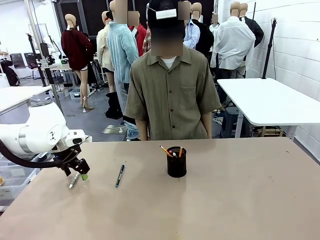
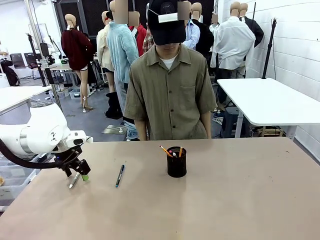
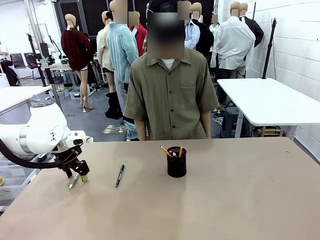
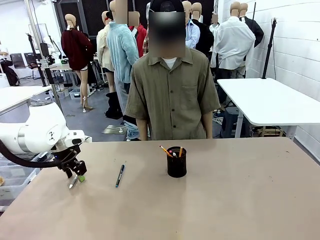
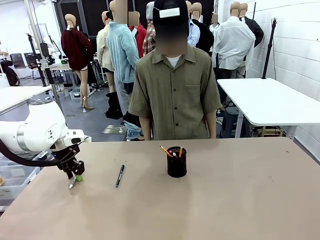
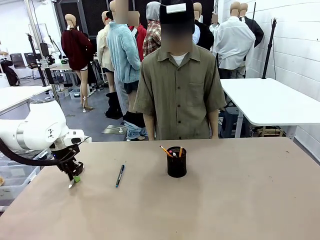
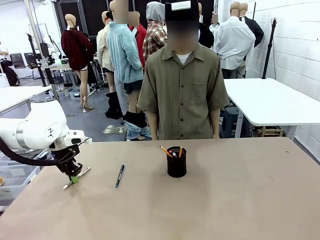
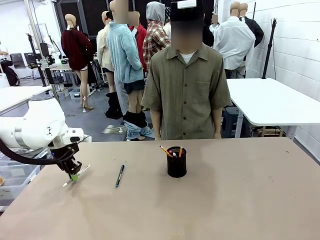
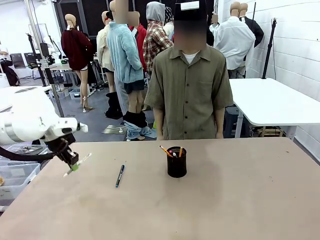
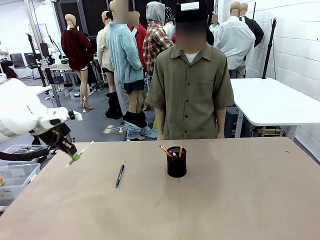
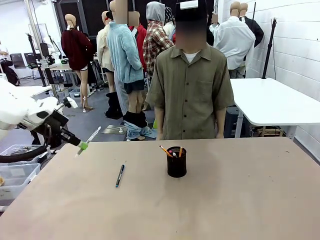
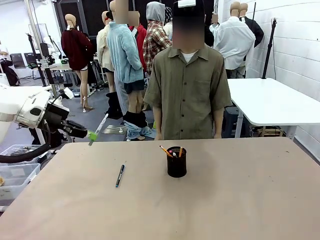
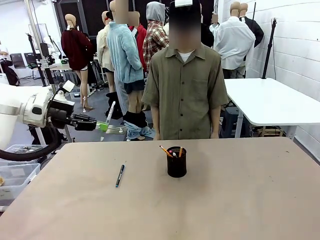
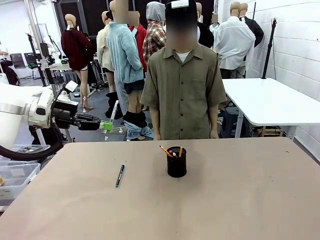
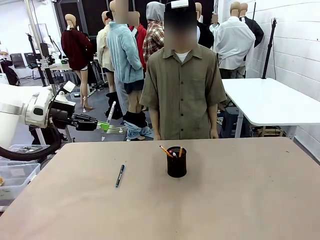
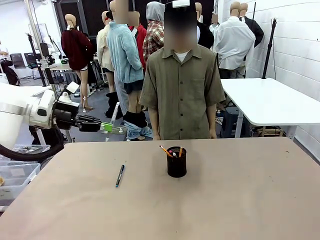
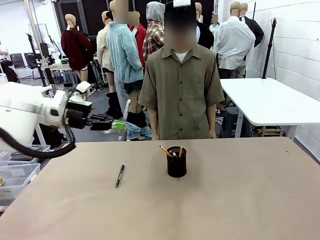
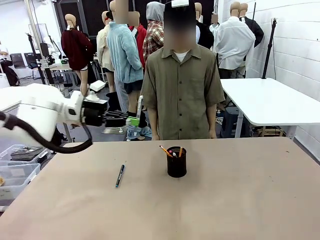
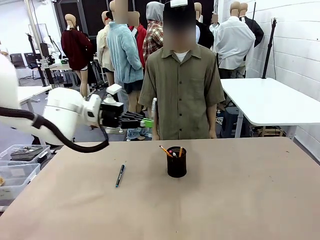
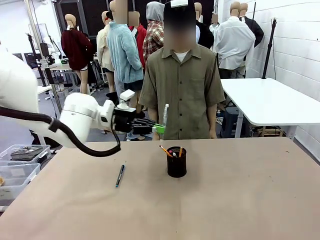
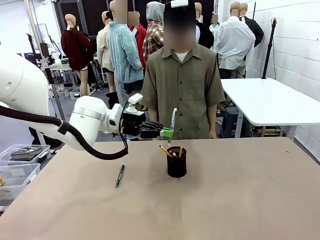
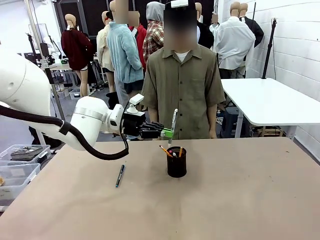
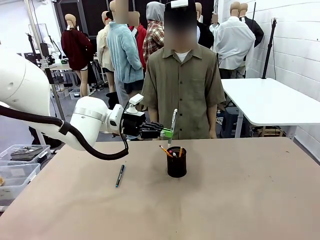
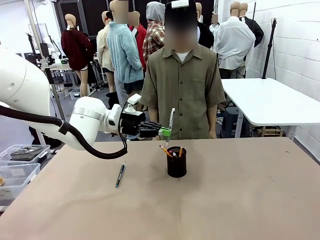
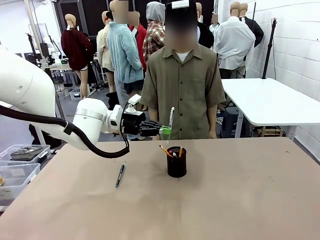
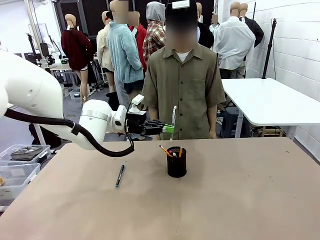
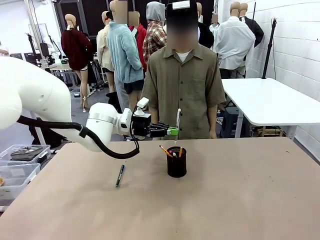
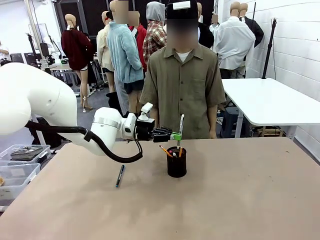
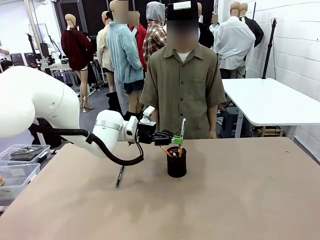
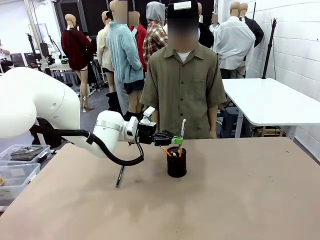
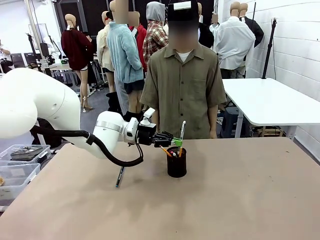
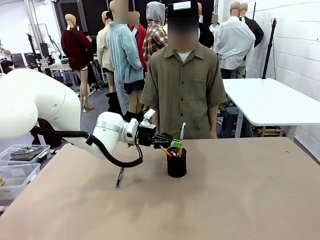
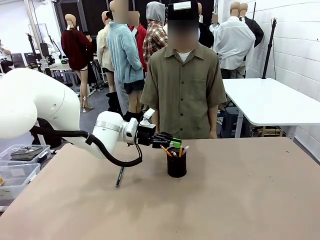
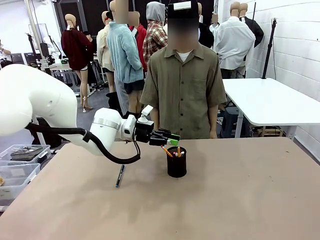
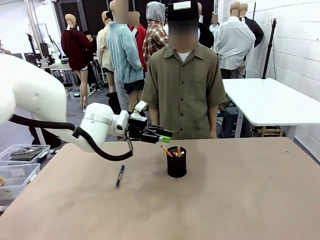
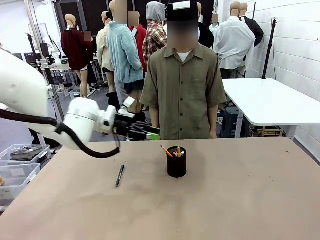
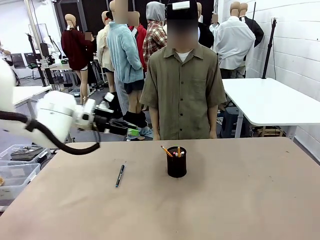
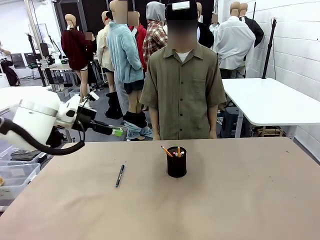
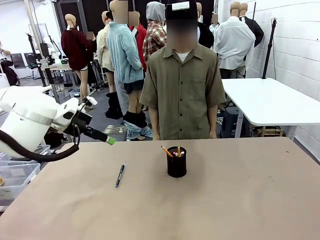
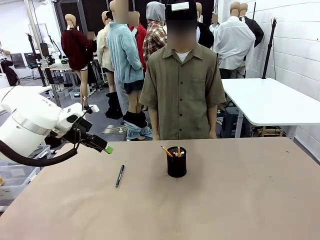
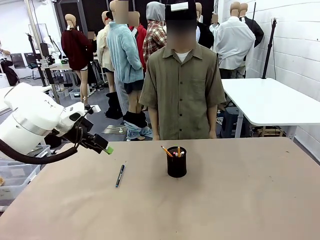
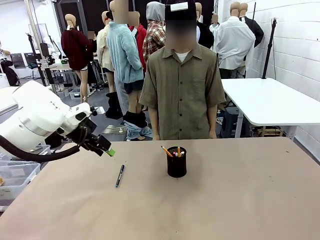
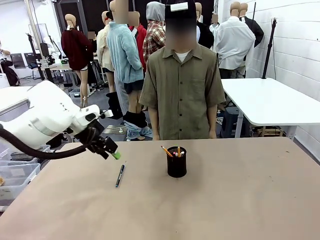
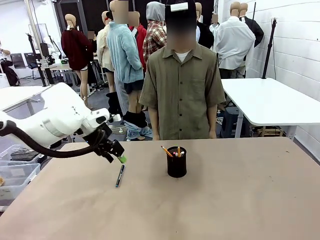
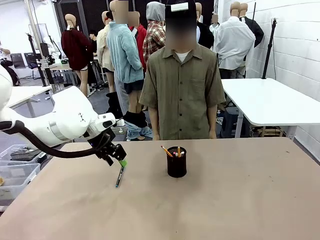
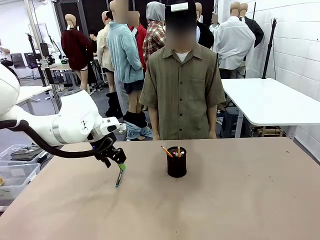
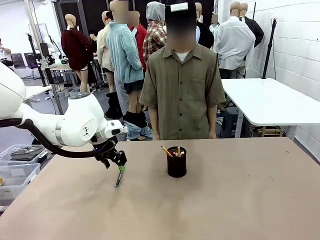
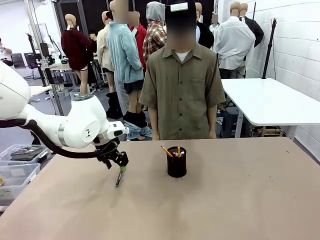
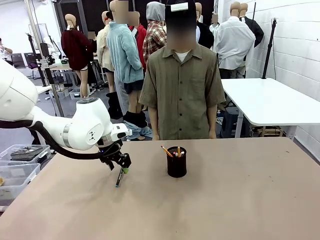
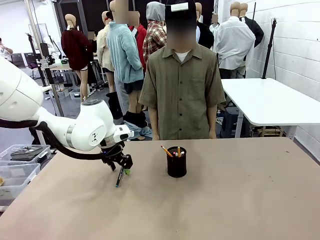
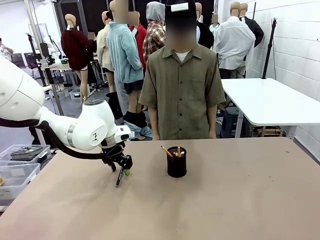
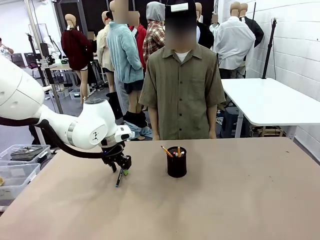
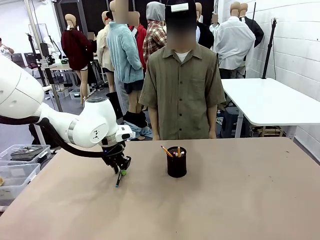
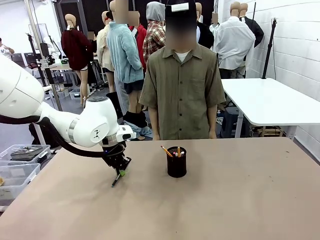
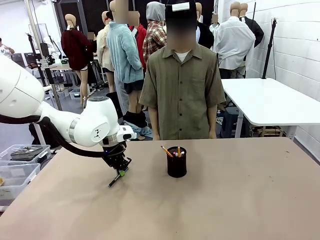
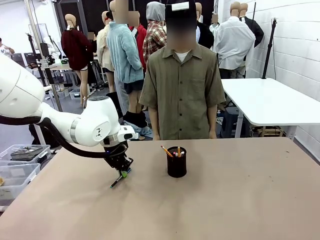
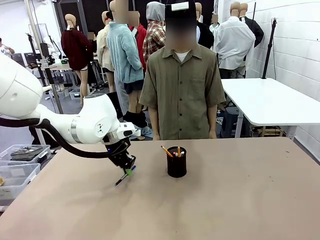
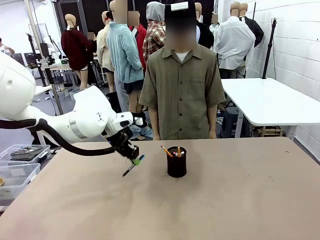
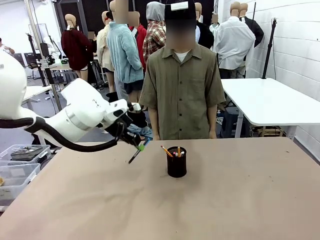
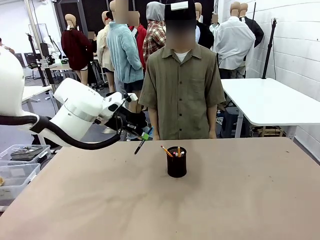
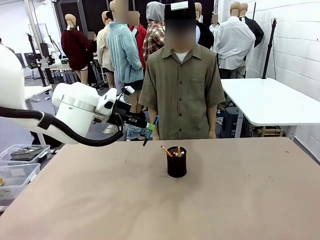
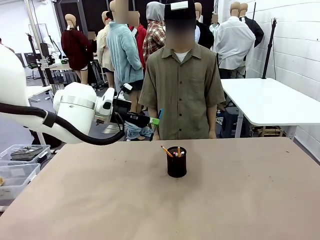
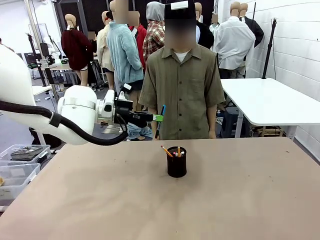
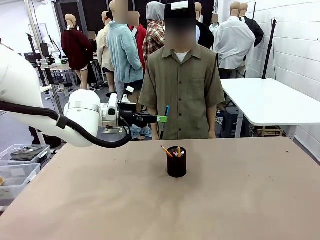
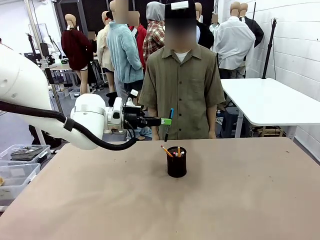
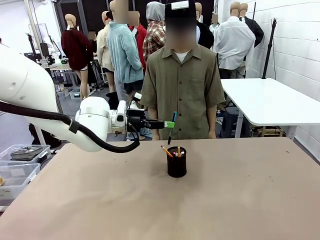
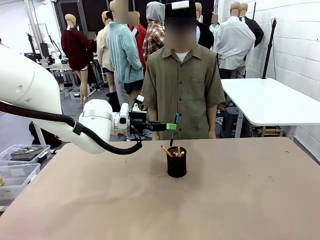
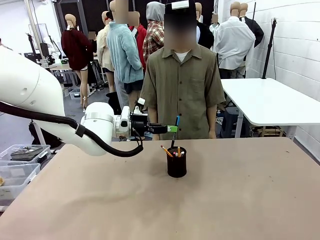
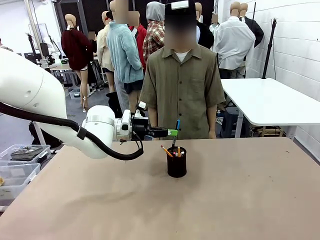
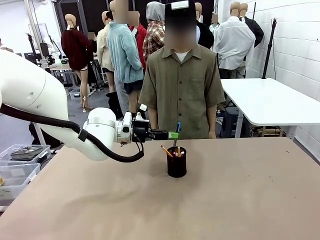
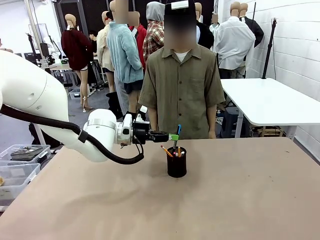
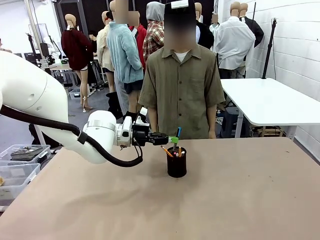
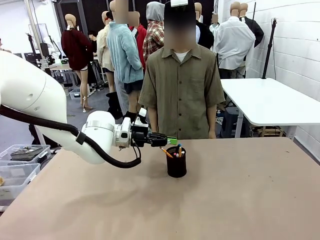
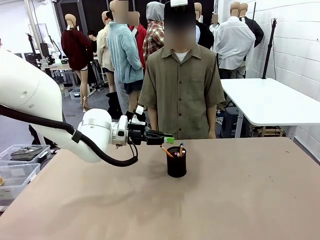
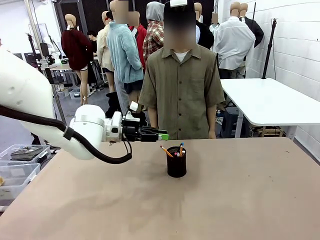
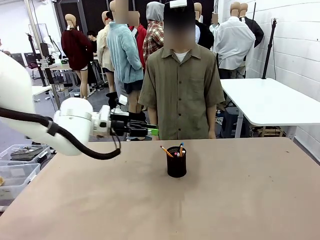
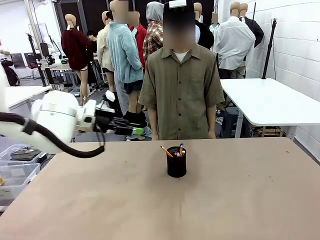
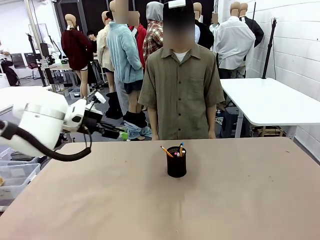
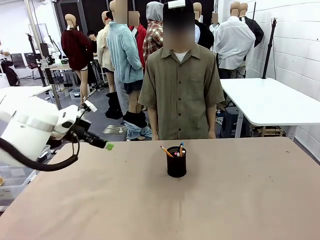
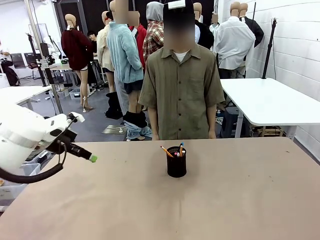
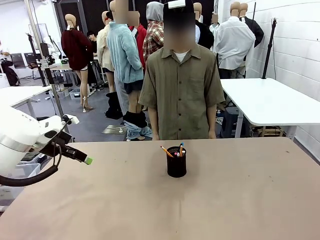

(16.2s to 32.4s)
Task: Place the pens into the pen holder.
Robot: Pick up a writing instrument from the table and place it into the Pen holder.
Person: Place all writing instrument into the Pen holder.
